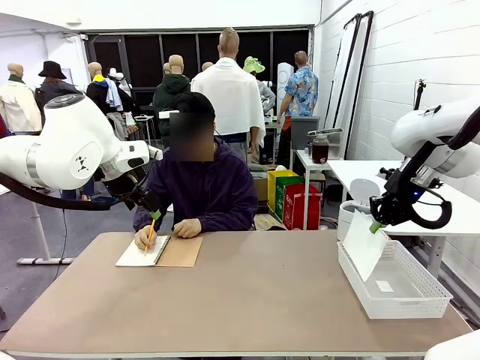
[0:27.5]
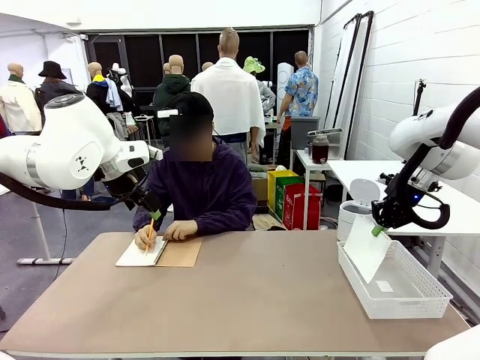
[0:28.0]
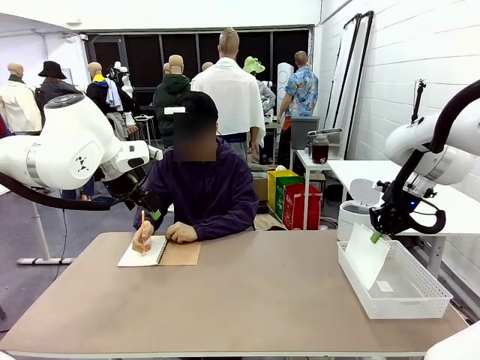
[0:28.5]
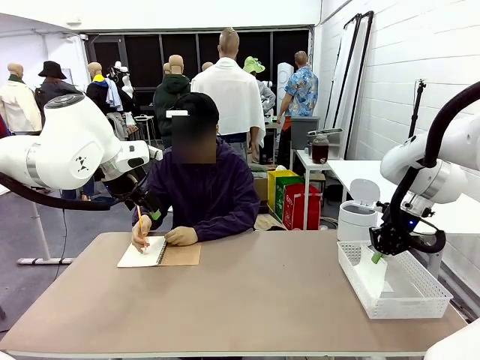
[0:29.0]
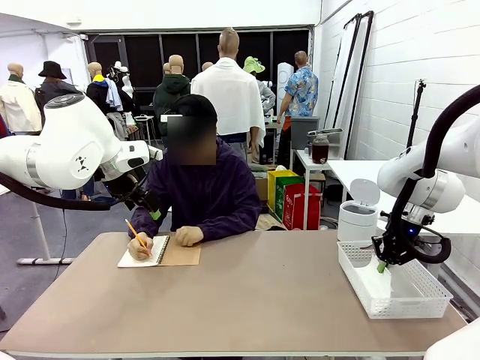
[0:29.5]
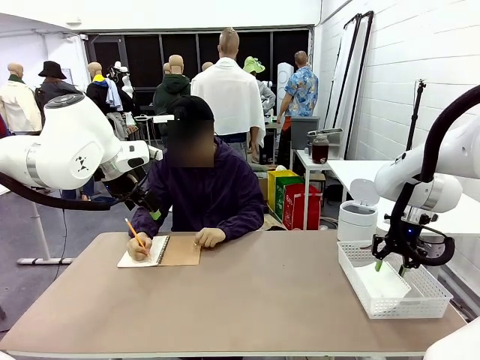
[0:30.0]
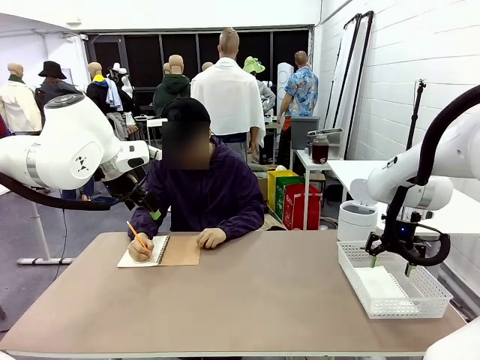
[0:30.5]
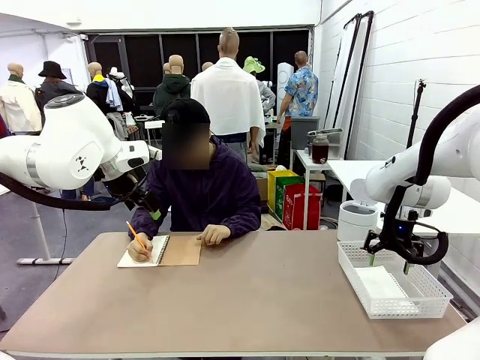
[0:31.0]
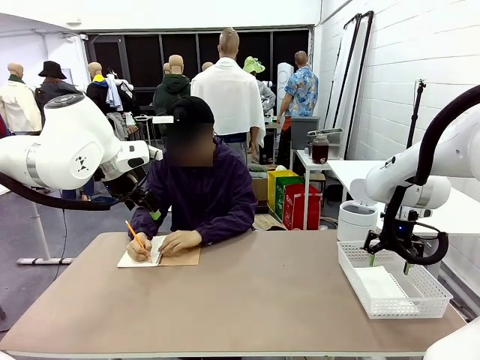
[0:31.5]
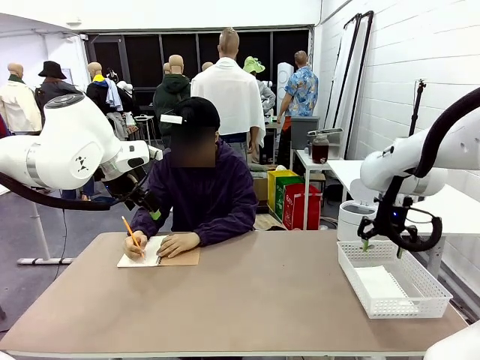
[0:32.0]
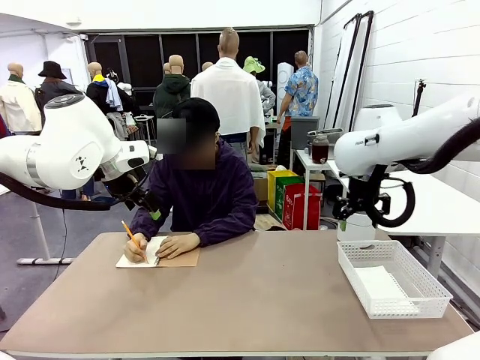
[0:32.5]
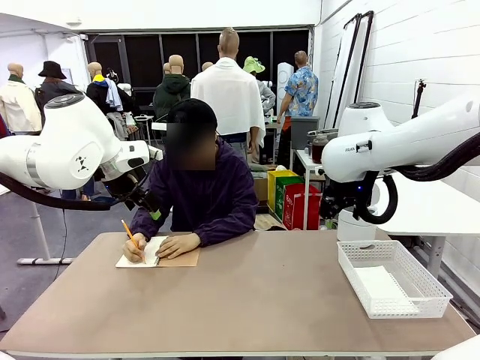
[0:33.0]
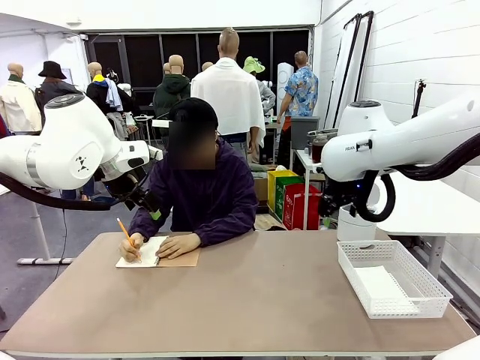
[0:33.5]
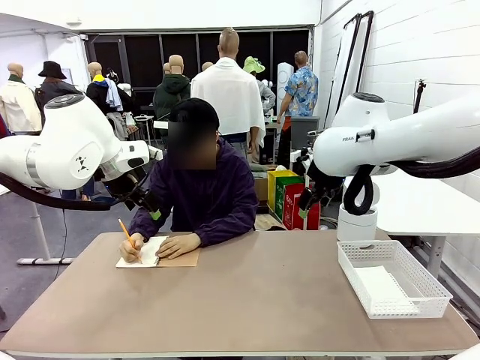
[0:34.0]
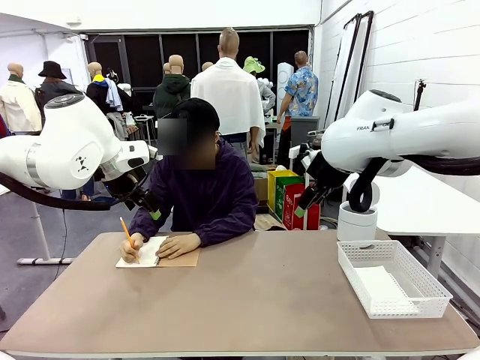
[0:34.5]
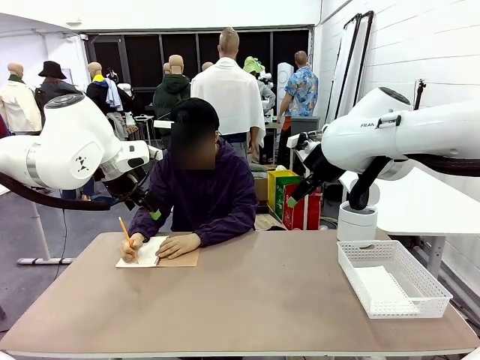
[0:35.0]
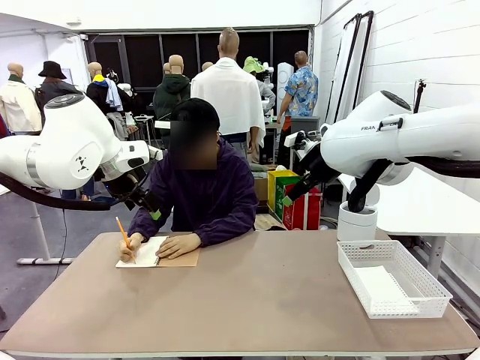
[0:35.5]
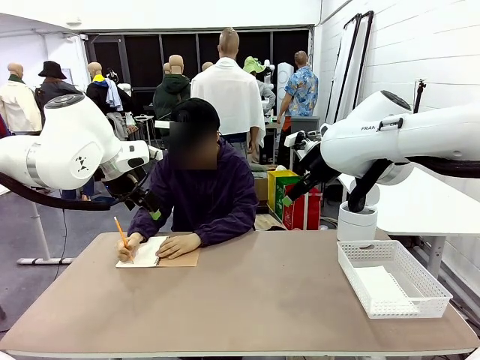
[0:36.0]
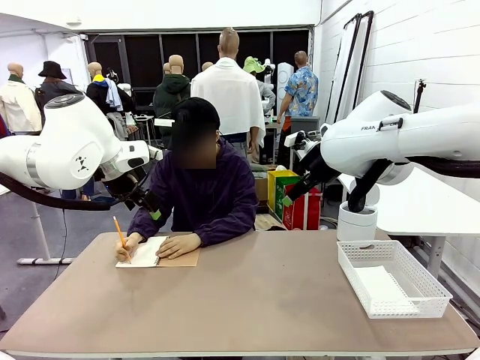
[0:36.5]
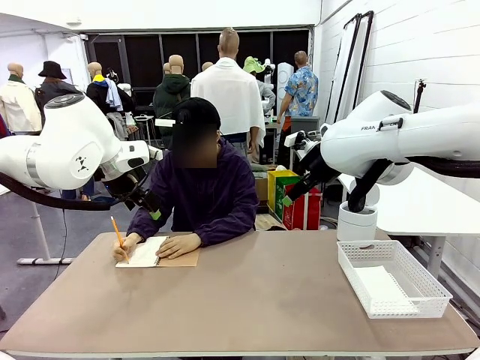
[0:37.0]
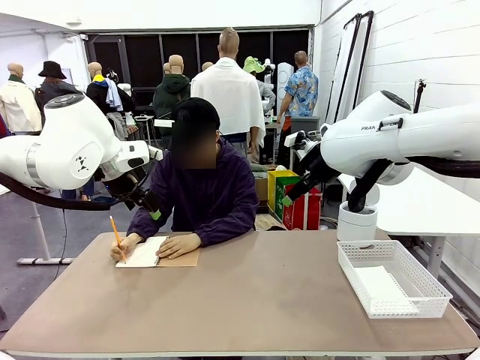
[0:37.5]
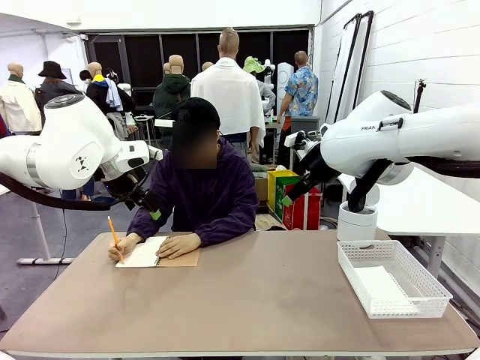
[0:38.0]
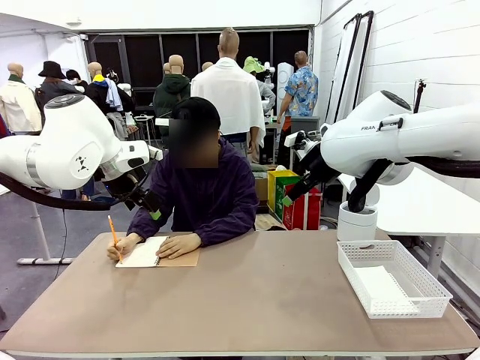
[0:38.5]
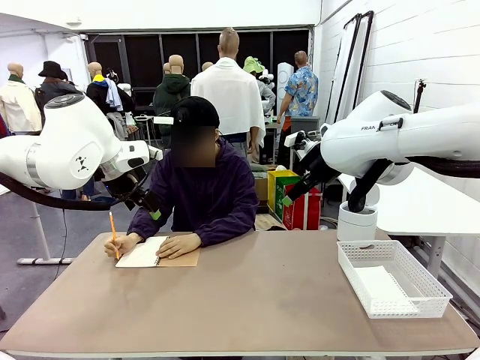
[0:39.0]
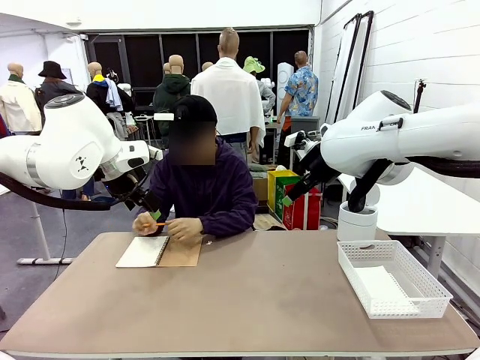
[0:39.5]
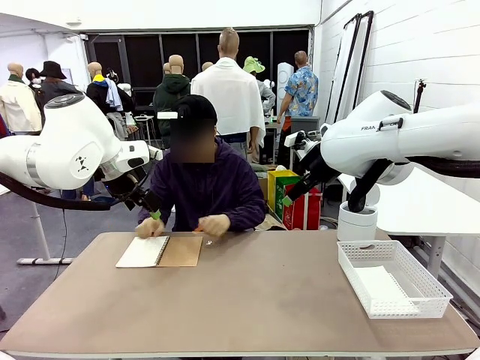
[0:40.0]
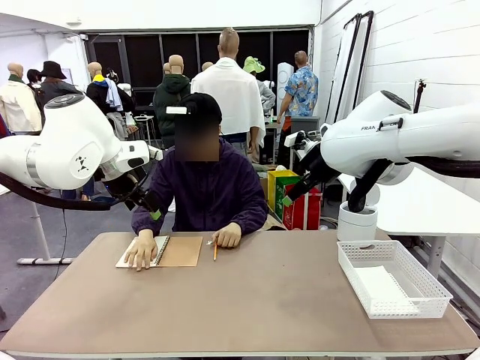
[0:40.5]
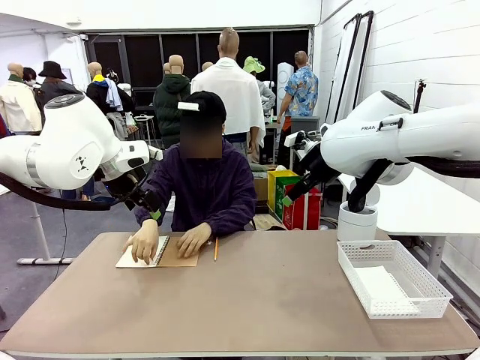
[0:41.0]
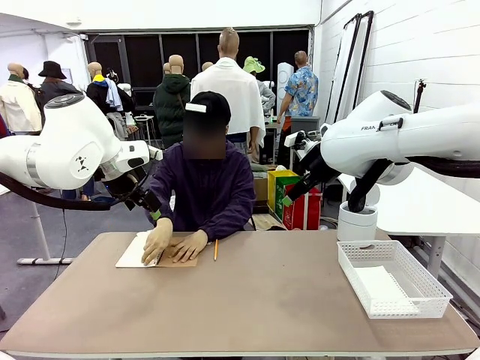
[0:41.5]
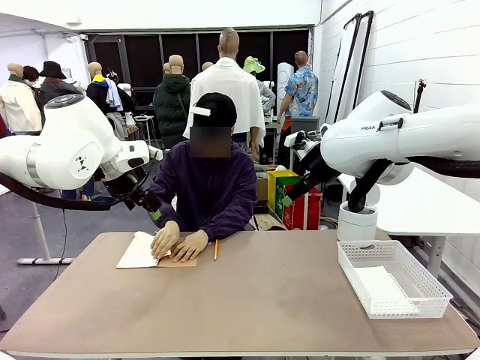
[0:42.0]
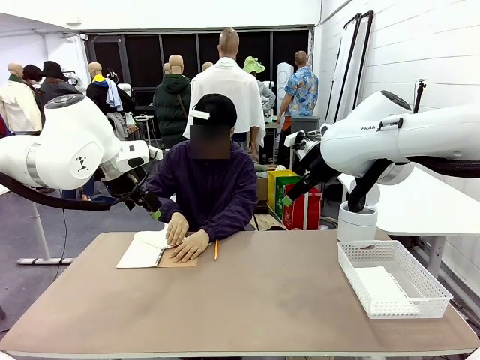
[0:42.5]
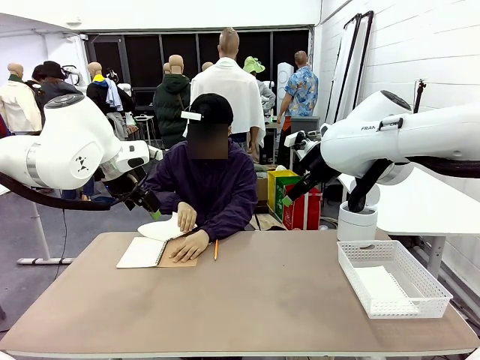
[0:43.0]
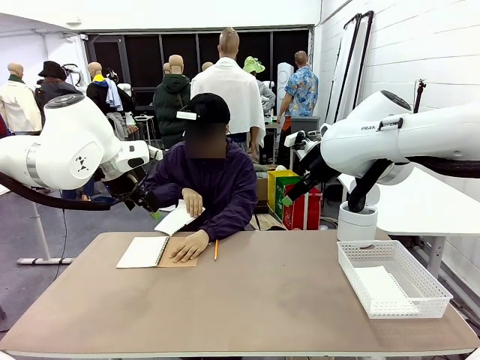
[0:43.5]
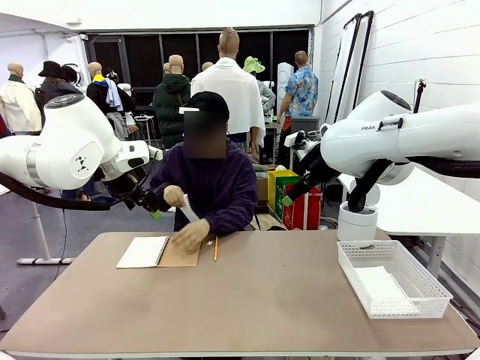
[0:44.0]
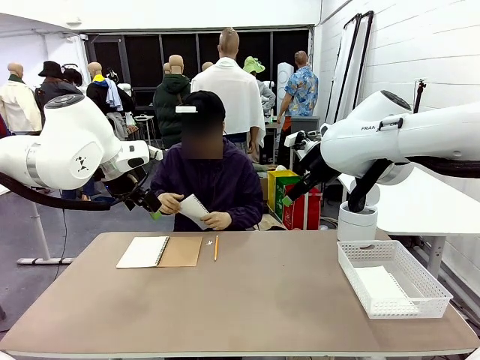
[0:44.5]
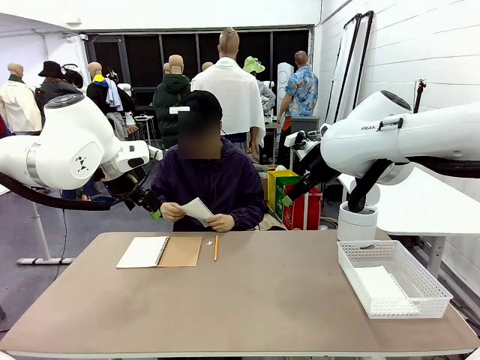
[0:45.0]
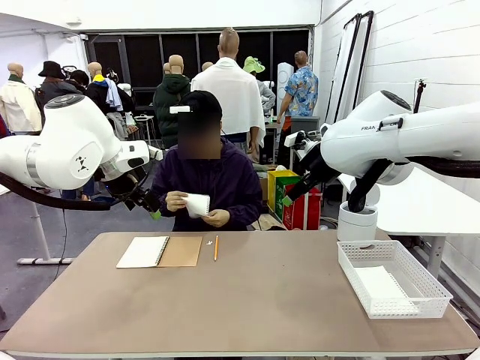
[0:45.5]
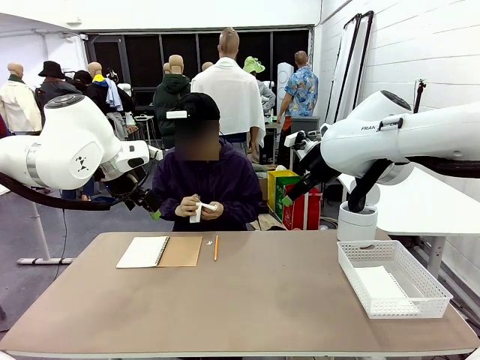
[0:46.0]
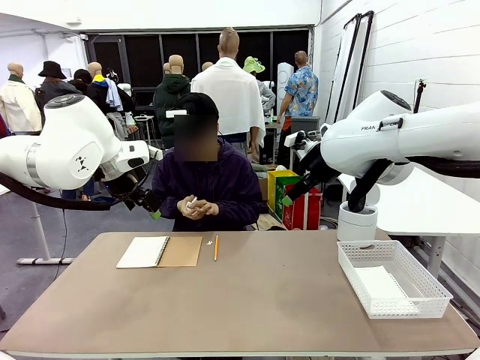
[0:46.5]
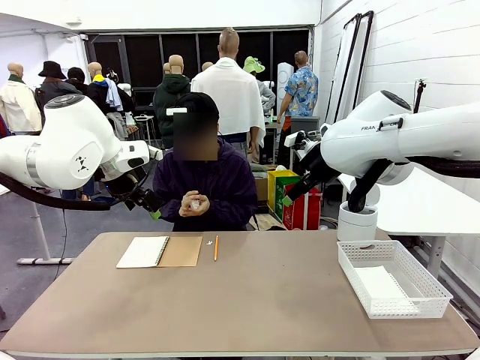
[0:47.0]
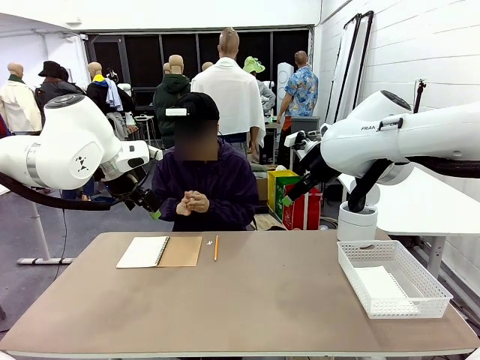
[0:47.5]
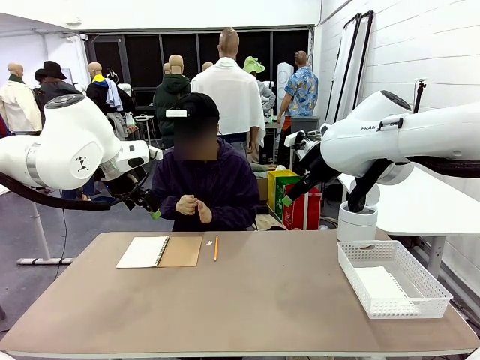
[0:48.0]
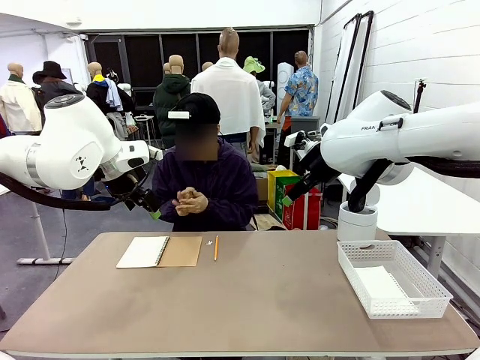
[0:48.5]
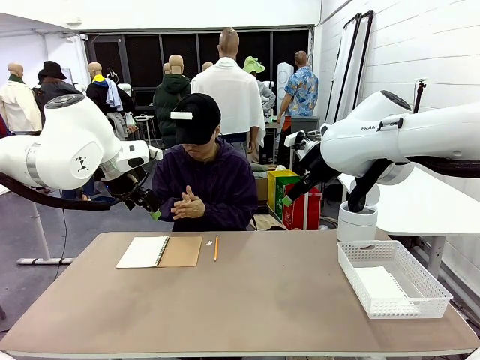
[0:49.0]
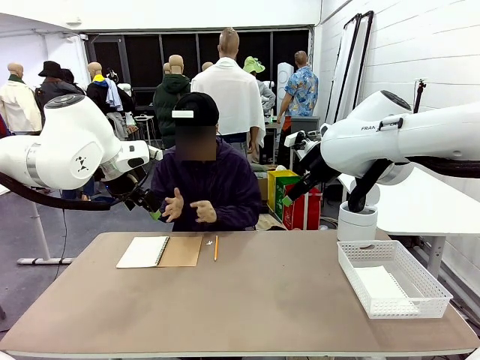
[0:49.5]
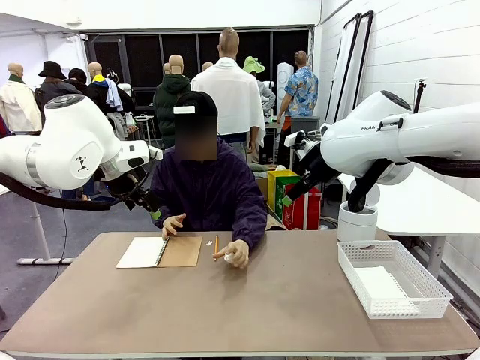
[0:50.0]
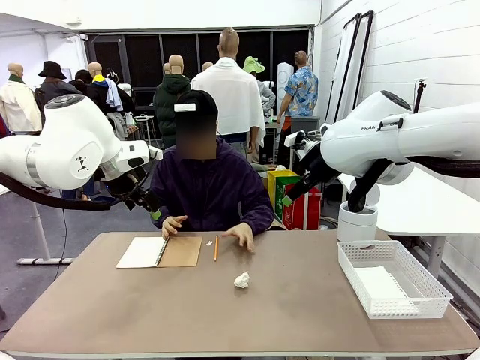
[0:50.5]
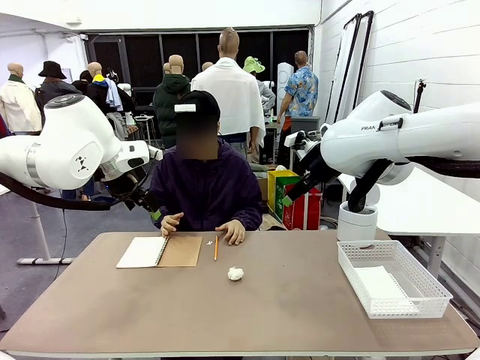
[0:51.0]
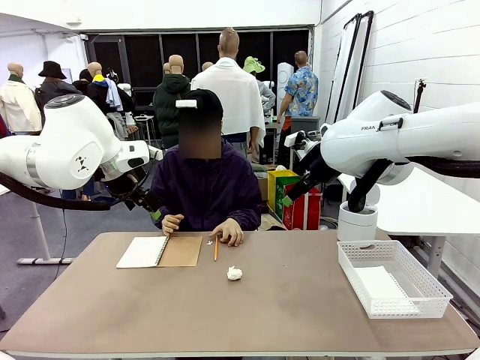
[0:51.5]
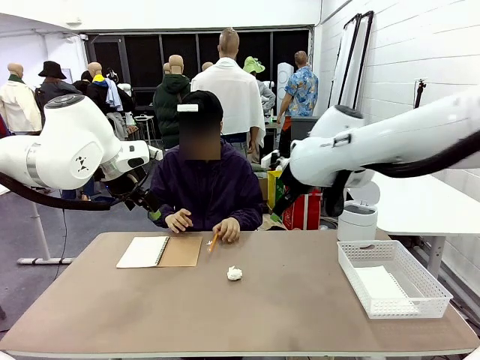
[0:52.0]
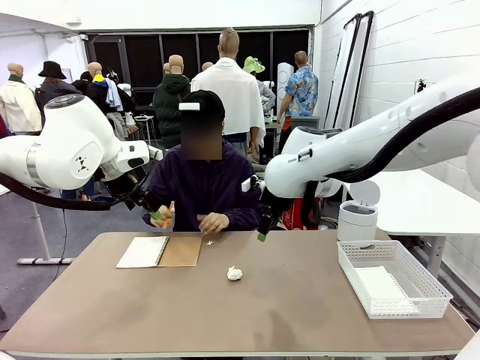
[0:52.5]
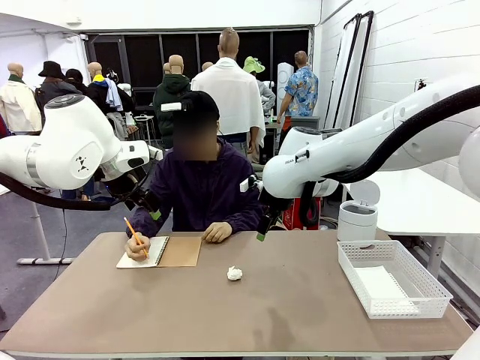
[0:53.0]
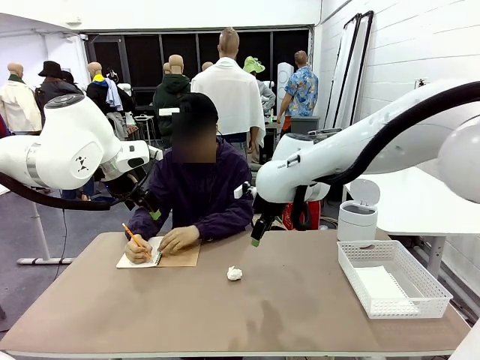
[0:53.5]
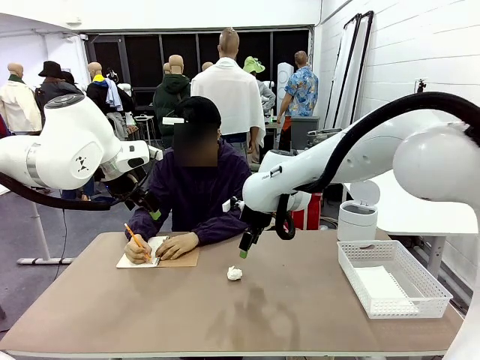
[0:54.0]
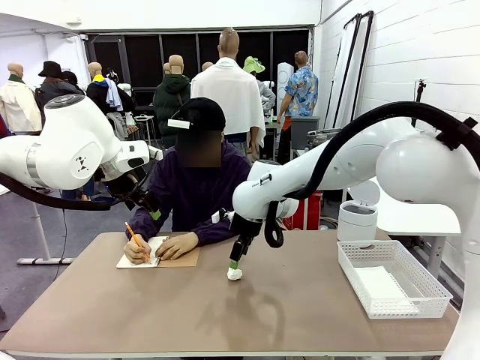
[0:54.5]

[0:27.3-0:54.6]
Task: Sort the paper based on its condition.
Robot: If a person hands you a paper, place it in the Organizing basket , and if it's crumpled, put it in the Trash can.
Person: Tear out a page from the spiral notebook. Hand the torn page to the robot or crumple it and throw it to the center of the table.
